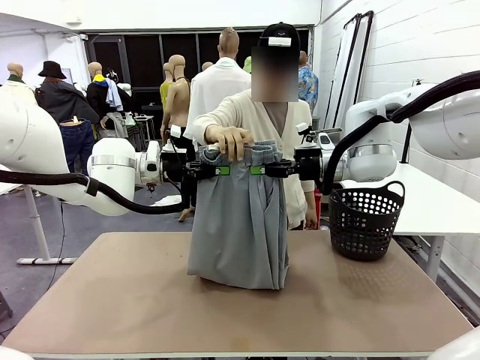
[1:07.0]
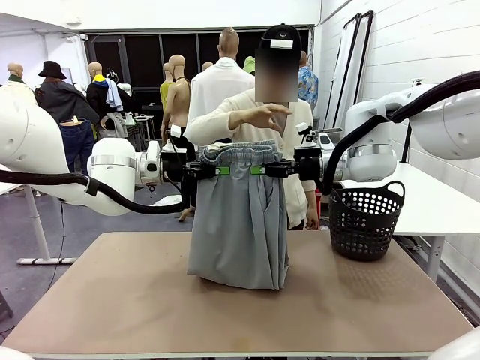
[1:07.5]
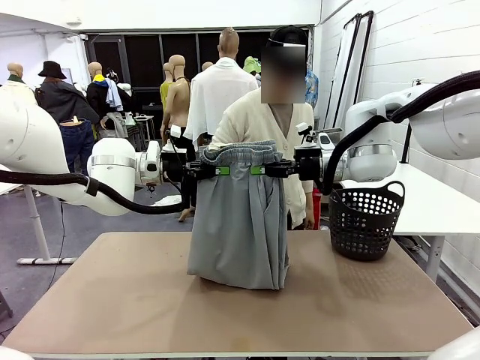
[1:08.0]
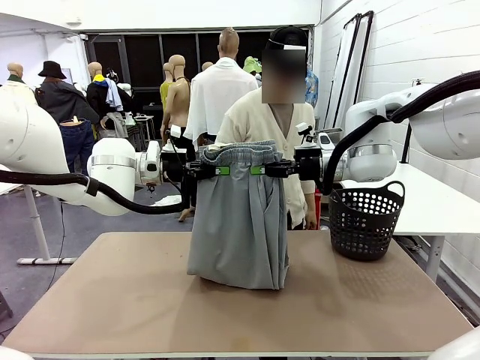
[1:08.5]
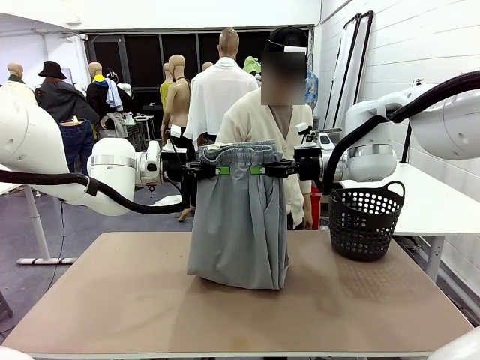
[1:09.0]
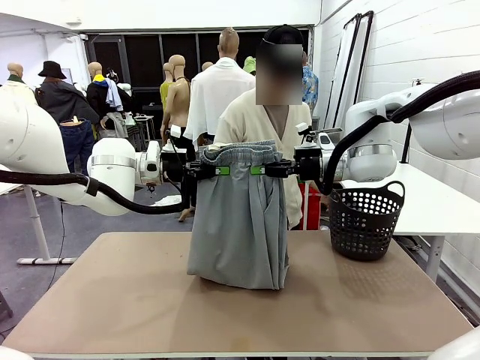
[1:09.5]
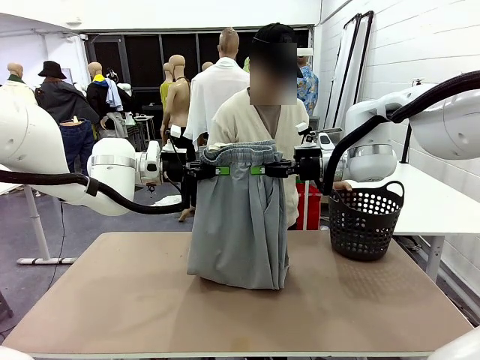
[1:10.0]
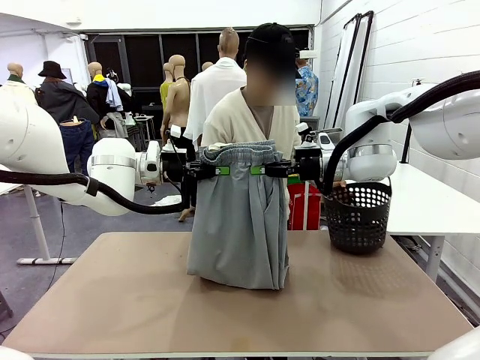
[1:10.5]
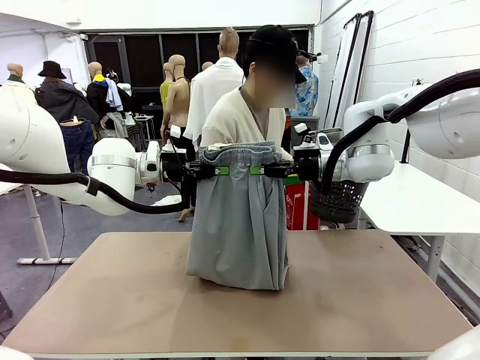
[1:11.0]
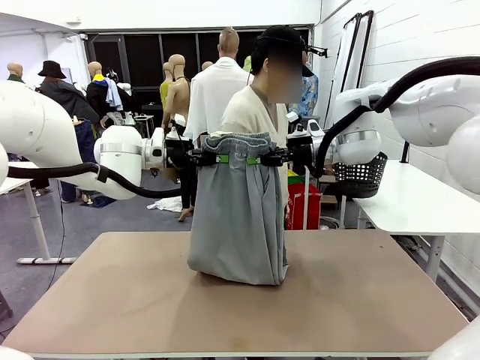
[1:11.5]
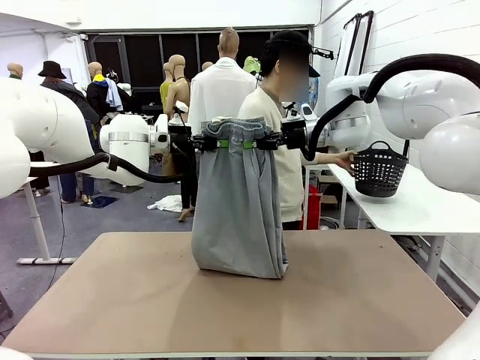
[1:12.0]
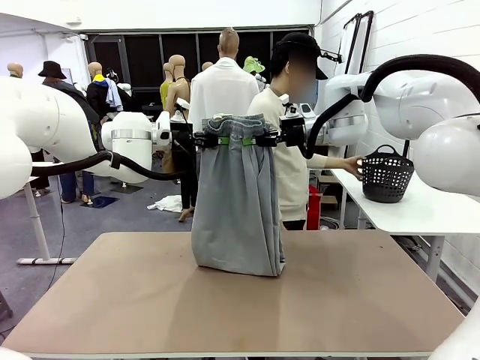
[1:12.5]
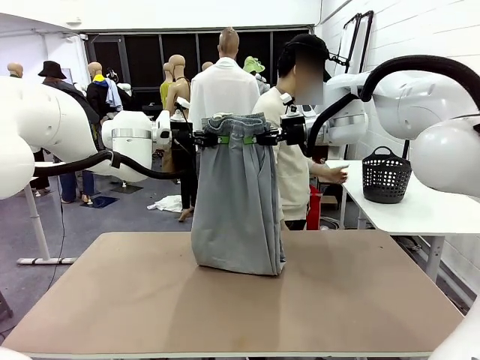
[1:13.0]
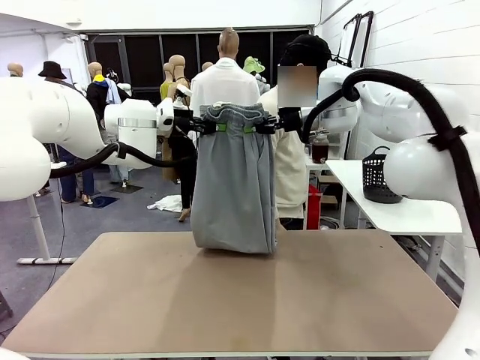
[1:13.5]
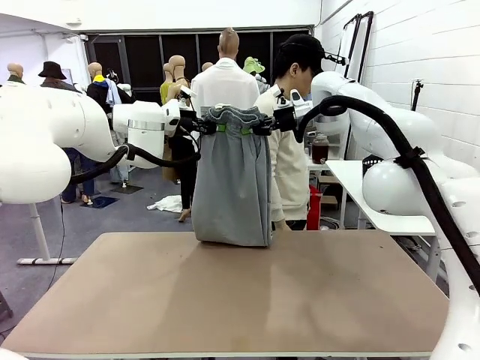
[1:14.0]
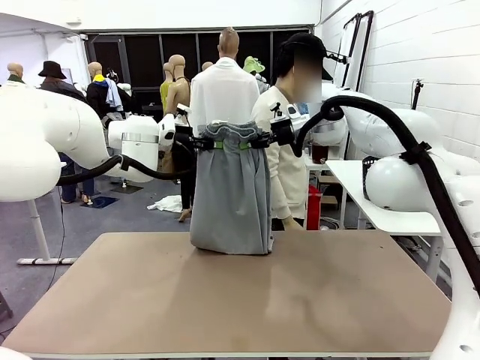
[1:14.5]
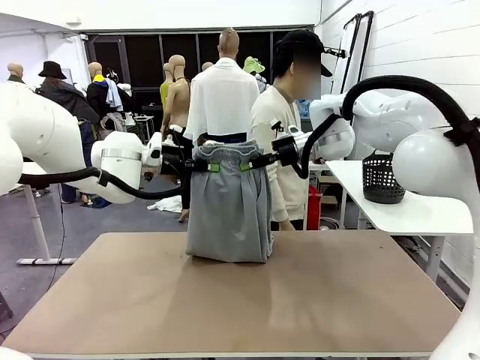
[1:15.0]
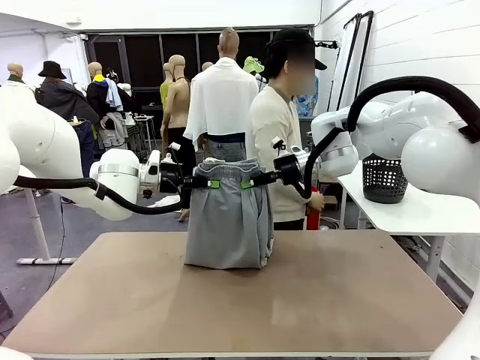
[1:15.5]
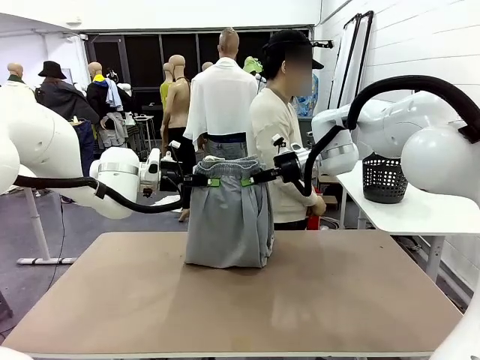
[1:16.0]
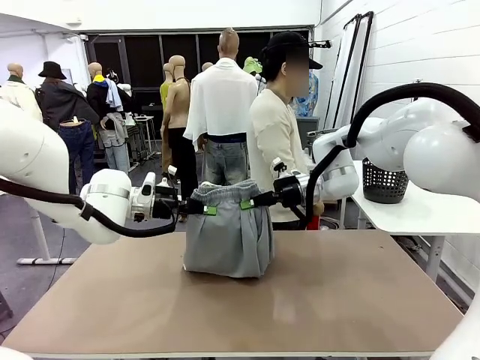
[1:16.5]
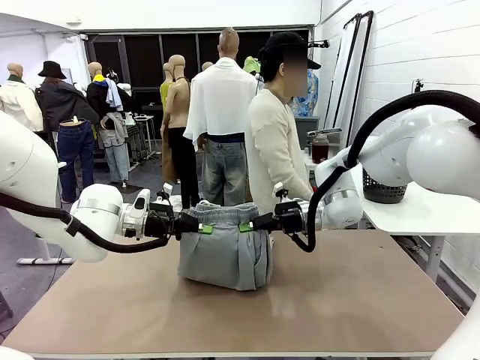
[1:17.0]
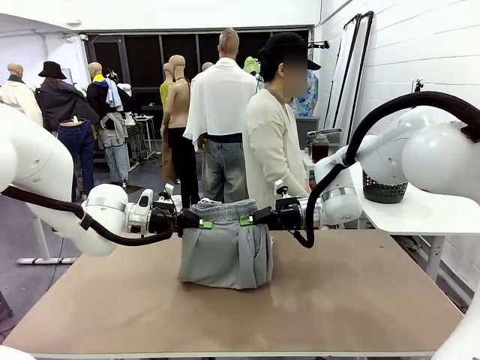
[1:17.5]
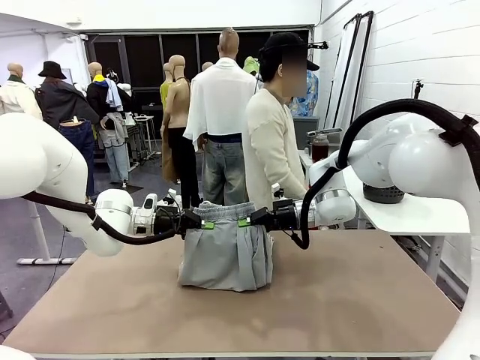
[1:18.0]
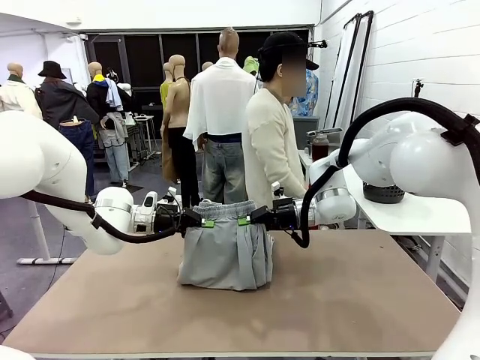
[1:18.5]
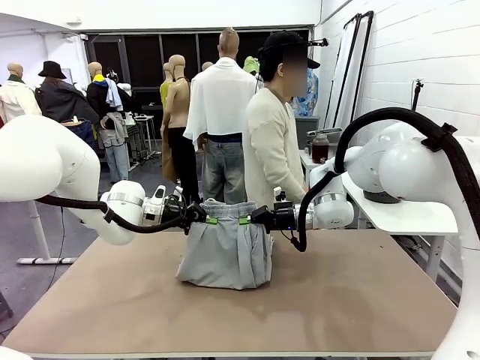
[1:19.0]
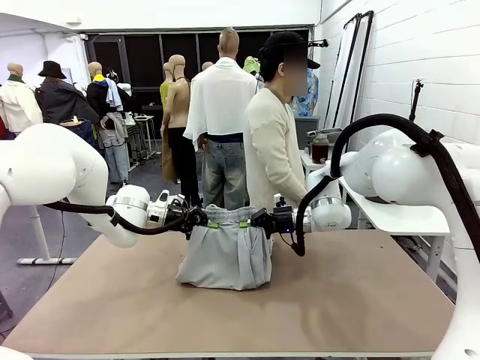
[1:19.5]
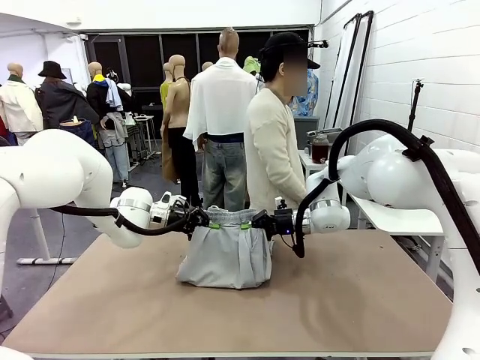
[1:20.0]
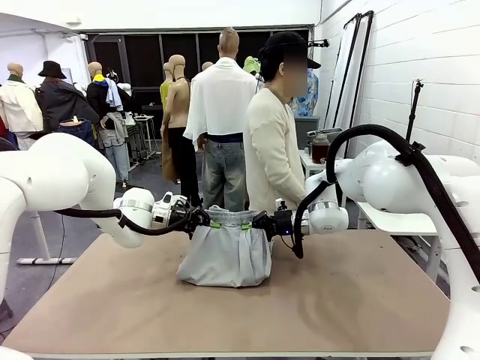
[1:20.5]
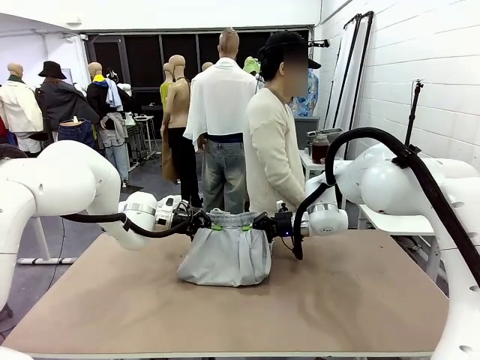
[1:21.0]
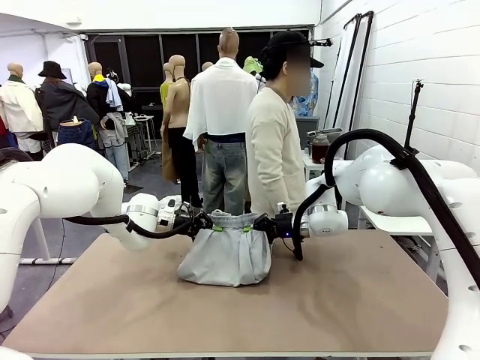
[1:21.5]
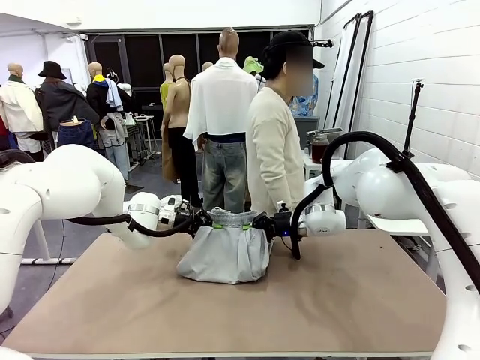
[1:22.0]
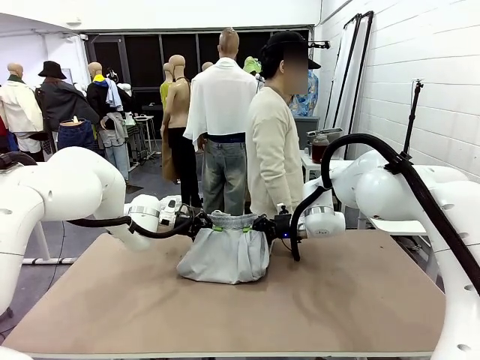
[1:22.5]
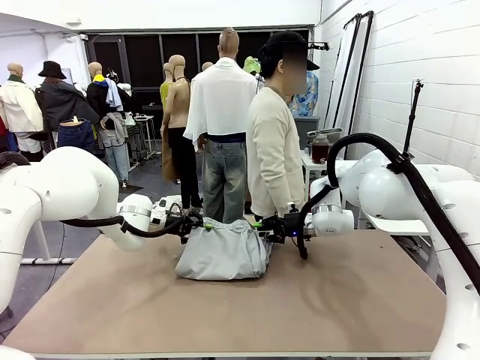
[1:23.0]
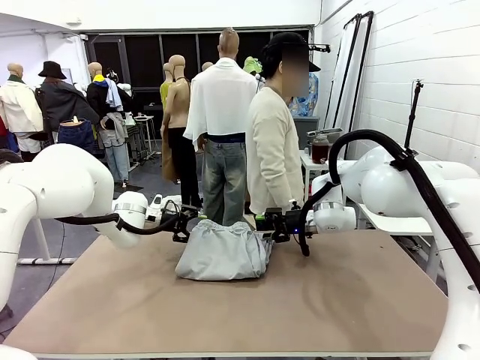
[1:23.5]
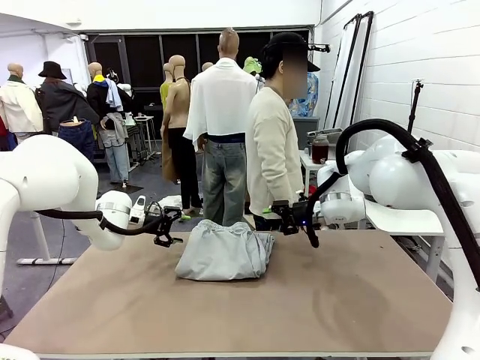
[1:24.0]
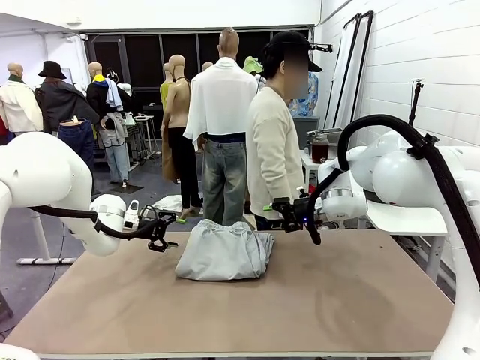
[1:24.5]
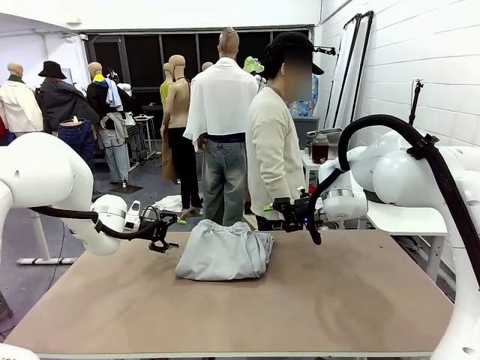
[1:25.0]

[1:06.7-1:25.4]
Task: Fold the training pants.
Robot: Fold the Training pants in half.
Person: Move the laundry basket to the right of the human table.

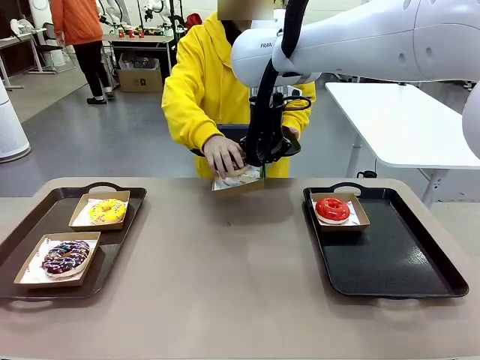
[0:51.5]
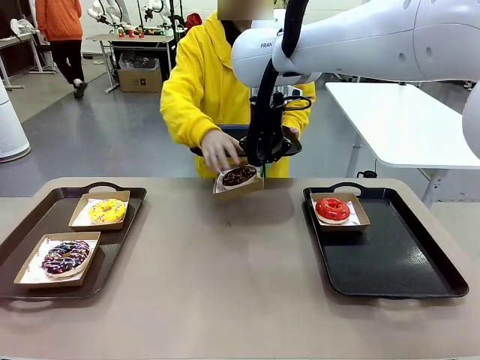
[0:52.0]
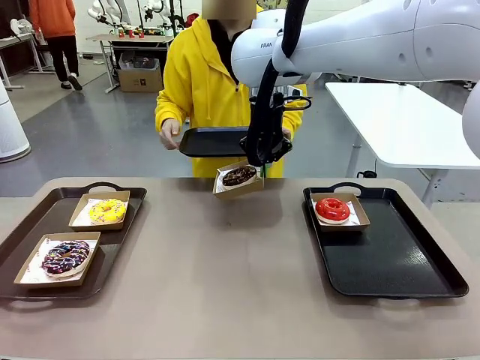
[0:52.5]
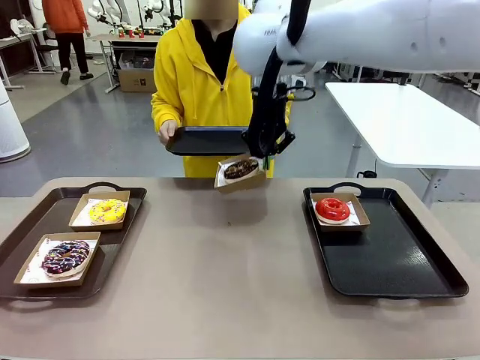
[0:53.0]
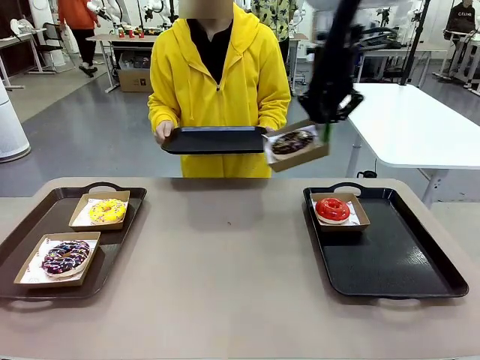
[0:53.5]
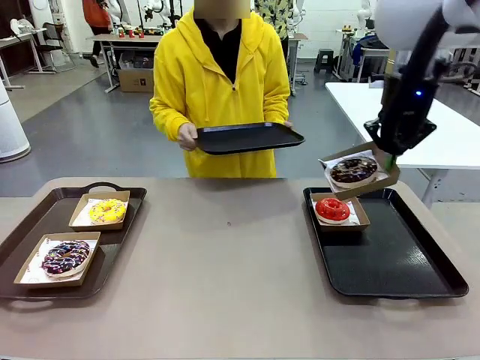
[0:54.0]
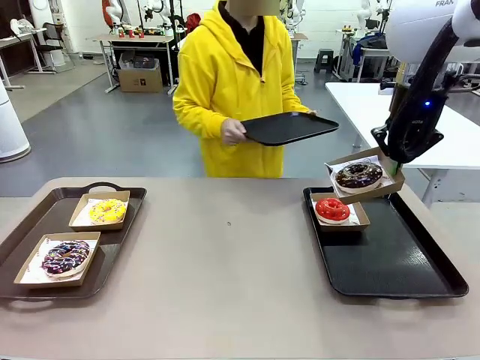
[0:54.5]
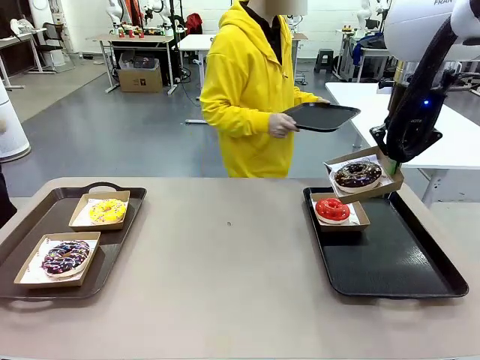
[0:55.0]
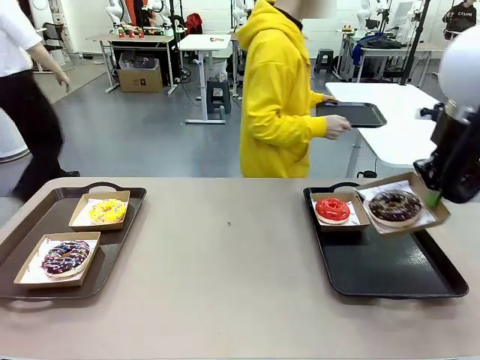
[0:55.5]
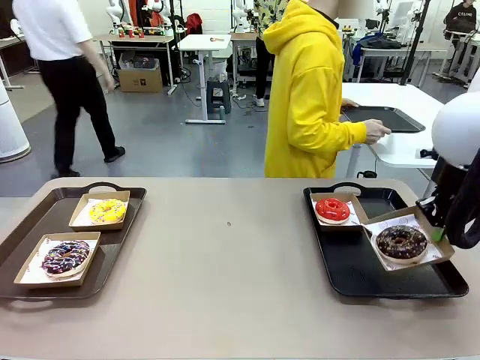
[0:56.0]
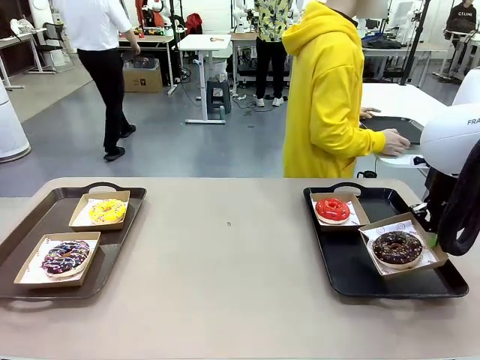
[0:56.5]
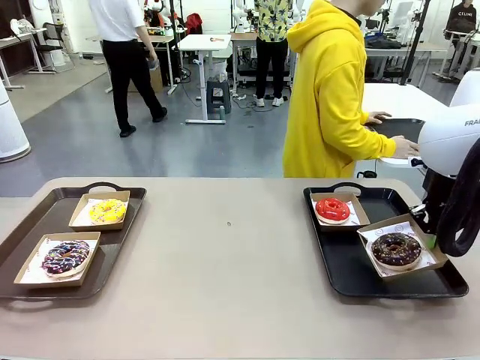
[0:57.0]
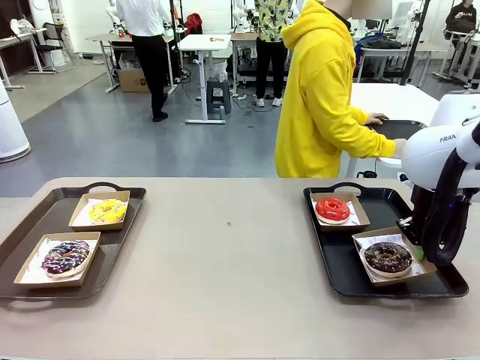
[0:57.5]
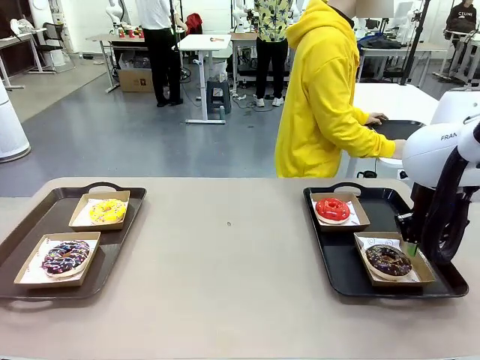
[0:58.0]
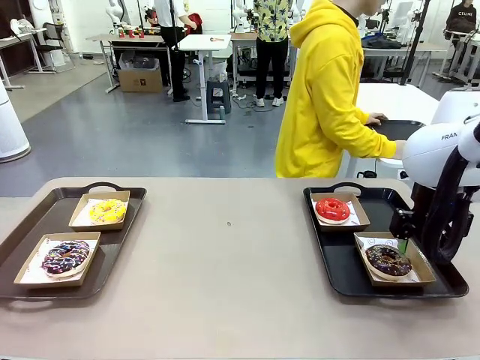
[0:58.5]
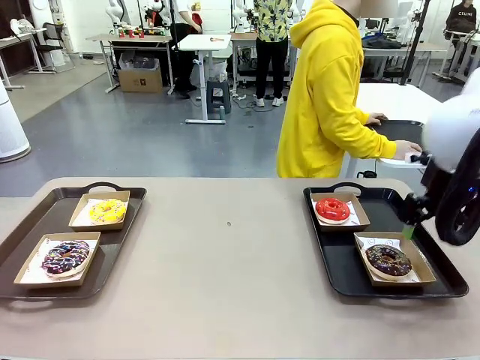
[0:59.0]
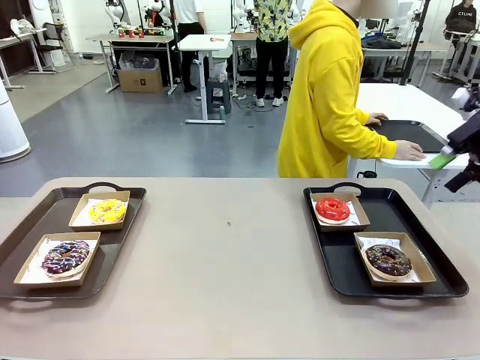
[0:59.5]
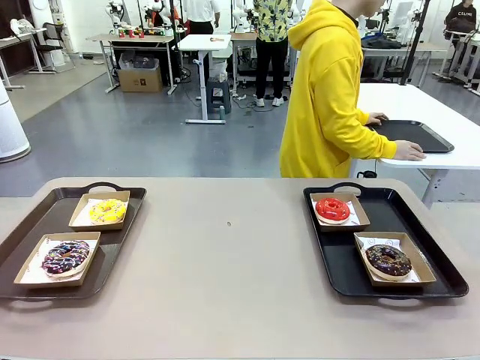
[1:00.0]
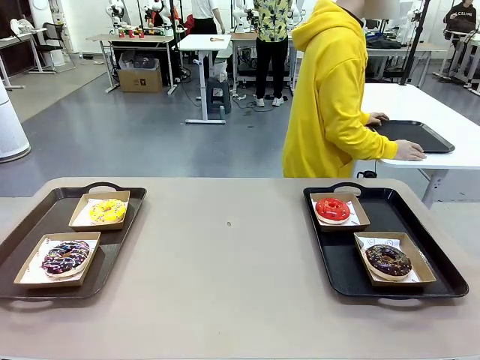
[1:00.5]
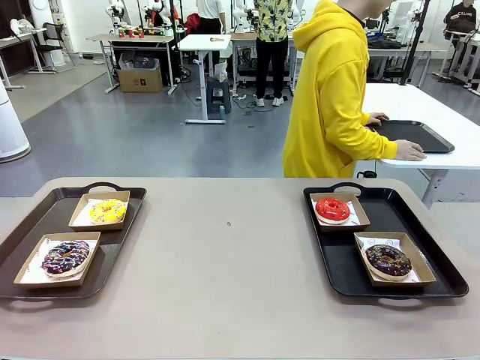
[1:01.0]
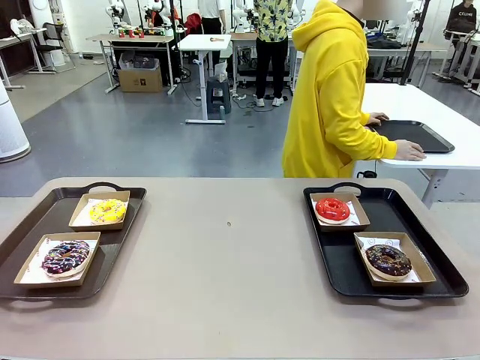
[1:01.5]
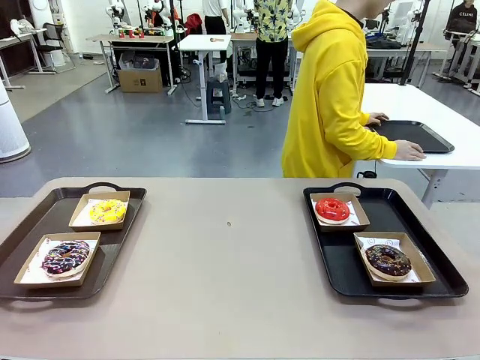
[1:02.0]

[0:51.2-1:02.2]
Task: Individually package the donuts and arrange them on the tray.
Robot: Place the picked Paper togo box on the Handle tray.
Person: Place the tray down in the middle of the human table.
